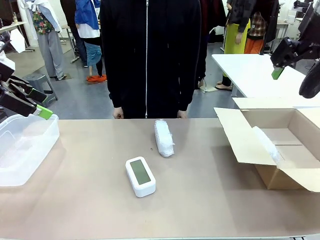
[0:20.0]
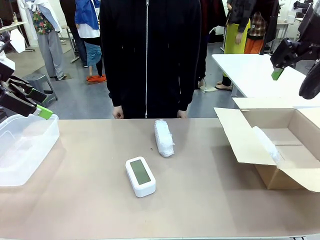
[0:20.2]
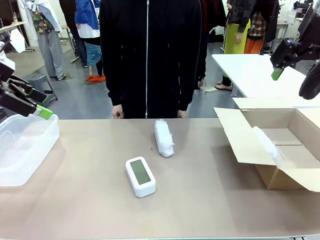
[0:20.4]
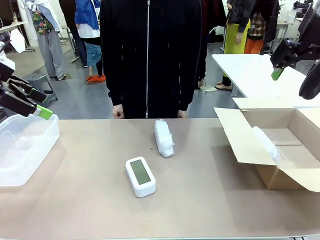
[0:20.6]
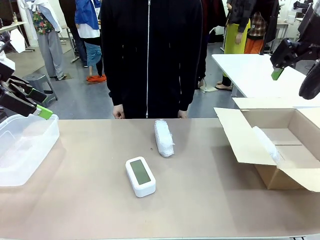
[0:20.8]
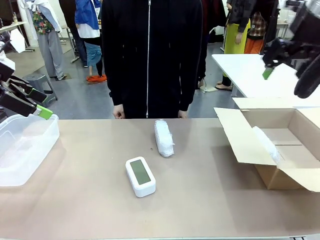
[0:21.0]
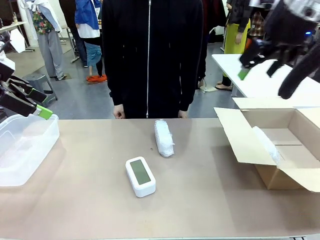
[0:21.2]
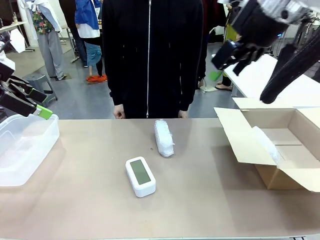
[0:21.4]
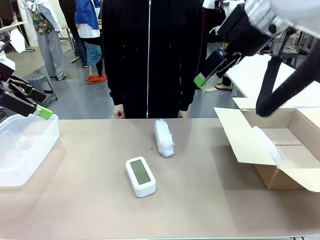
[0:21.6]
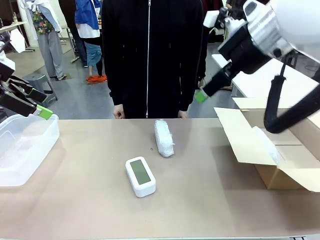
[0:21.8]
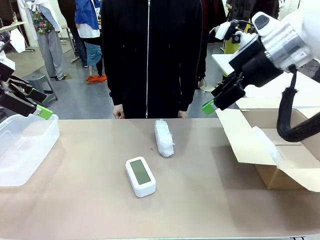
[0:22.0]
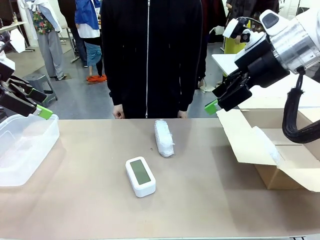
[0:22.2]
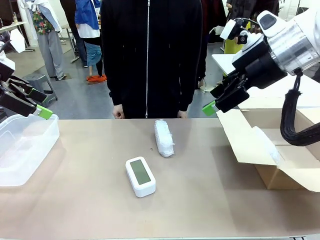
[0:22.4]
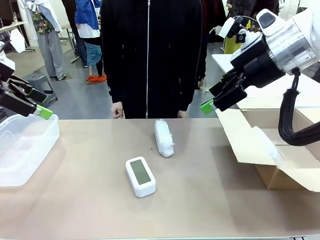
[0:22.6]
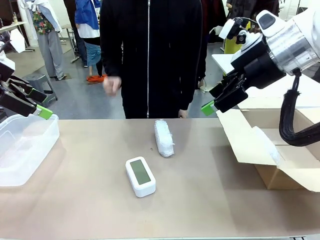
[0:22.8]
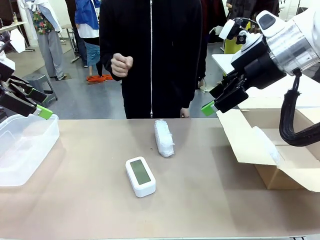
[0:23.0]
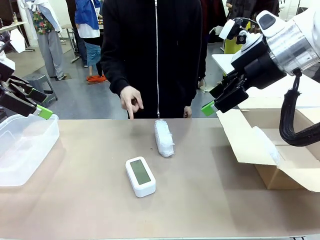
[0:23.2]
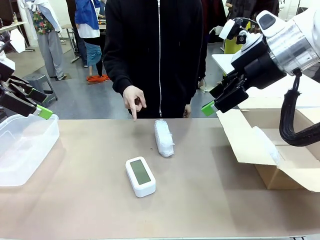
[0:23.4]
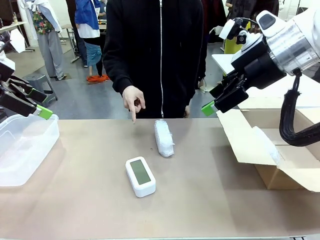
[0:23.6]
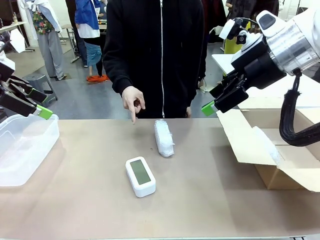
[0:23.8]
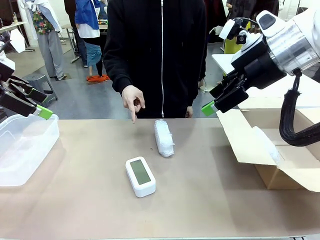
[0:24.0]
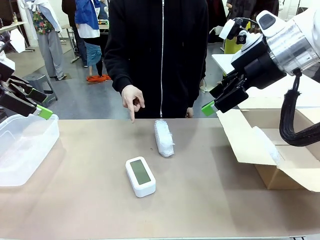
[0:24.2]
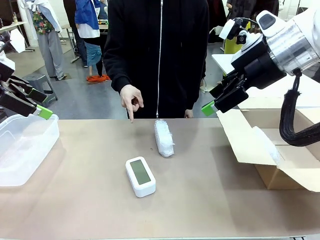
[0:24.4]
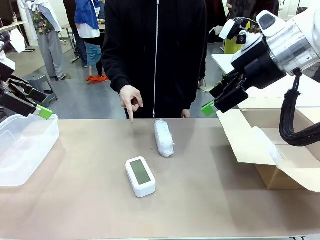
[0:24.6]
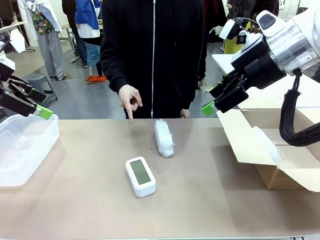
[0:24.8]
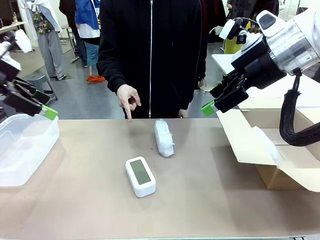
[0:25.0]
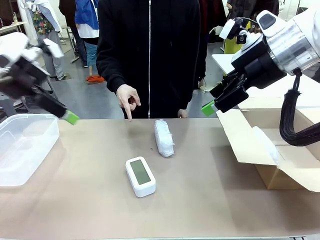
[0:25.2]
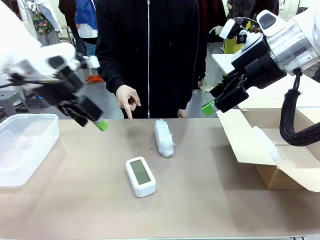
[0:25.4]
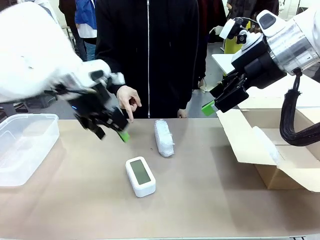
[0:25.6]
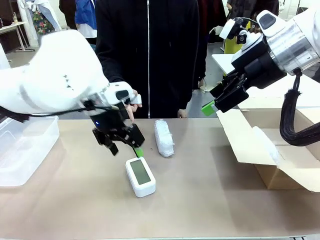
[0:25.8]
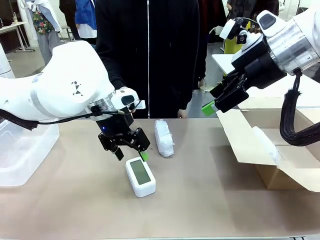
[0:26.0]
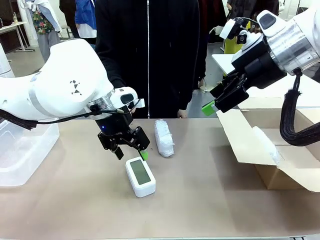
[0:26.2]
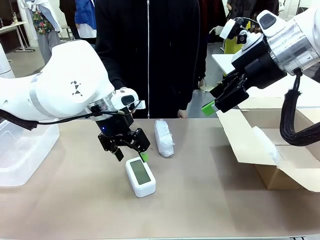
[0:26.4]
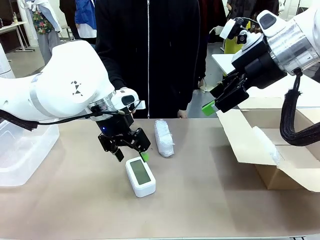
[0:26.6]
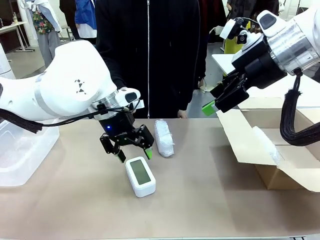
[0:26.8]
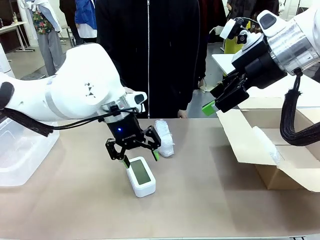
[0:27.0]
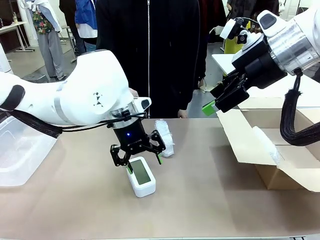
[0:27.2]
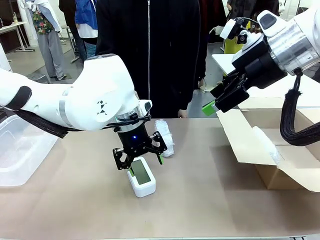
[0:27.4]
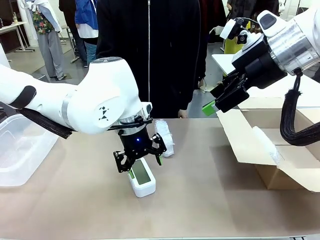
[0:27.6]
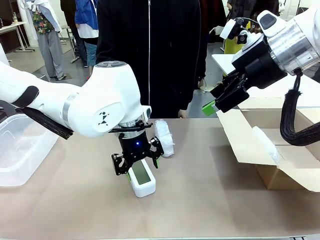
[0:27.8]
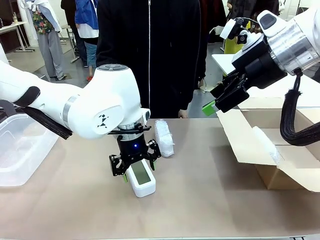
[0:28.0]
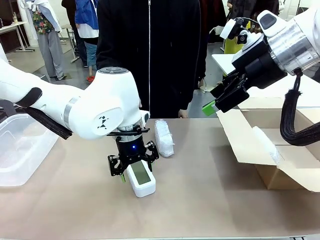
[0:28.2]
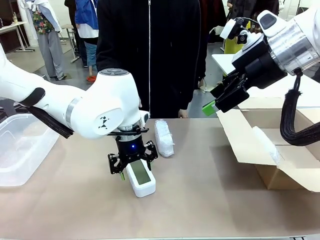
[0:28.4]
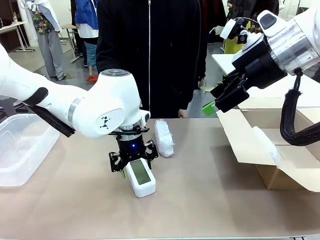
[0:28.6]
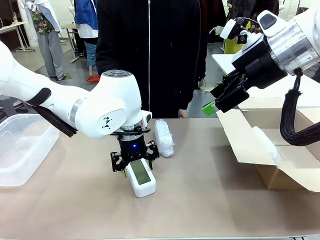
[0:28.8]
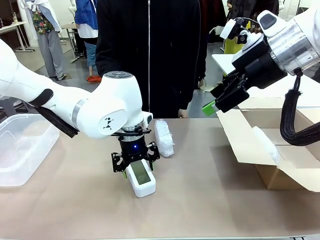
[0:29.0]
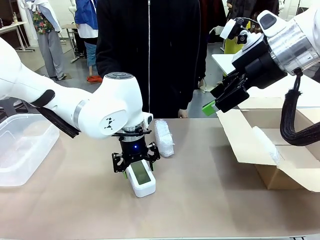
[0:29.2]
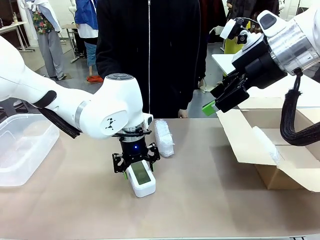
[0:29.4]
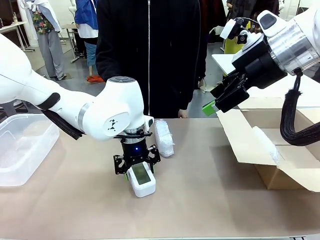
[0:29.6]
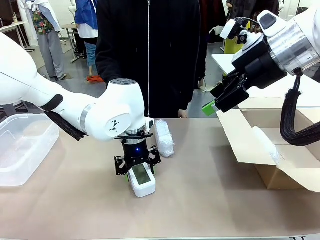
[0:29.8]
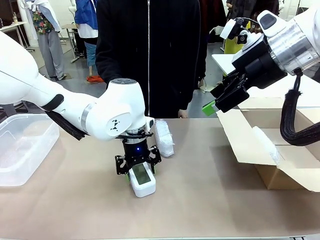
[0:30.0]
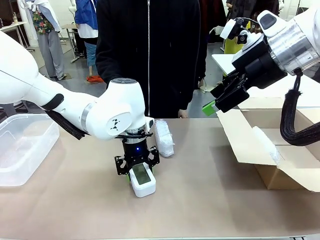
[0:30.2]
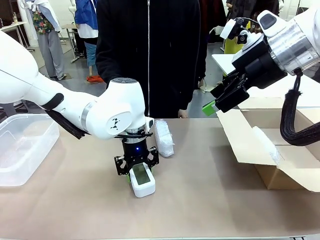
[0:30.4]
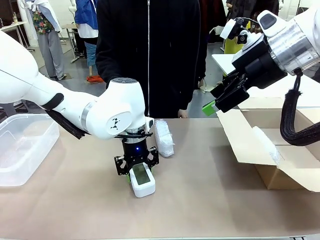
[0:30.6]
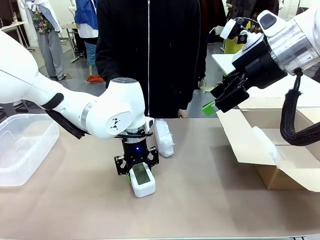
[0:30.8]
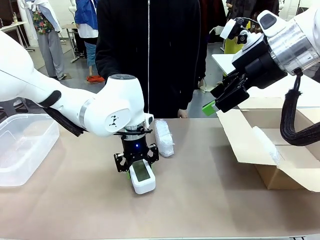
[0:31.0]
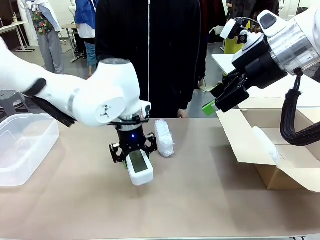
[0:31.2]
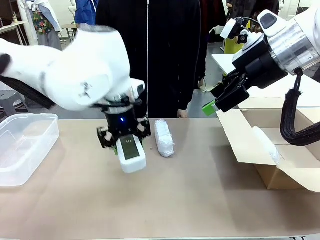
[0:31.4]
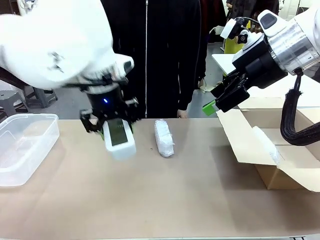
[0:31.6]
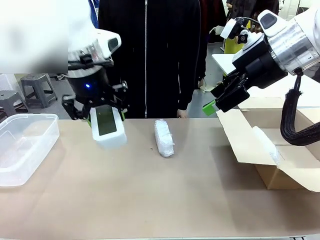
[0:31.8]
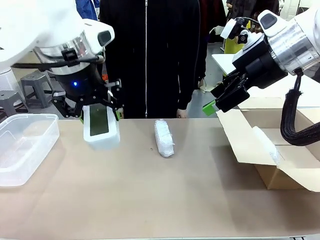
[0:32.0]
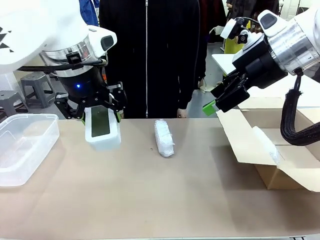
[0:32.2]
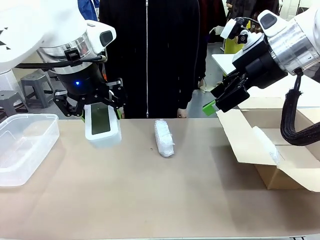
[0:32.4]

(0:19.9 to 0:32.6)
Task: Separate and place wrapped and unwrapped clocks.
Robot: Pick up the Digital clock indicated by the person.

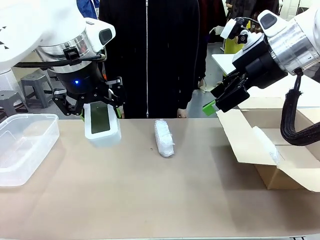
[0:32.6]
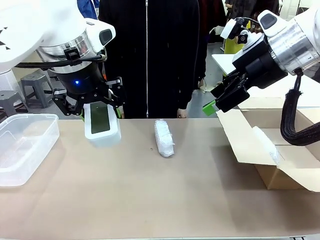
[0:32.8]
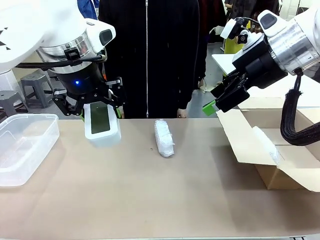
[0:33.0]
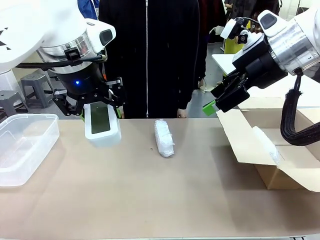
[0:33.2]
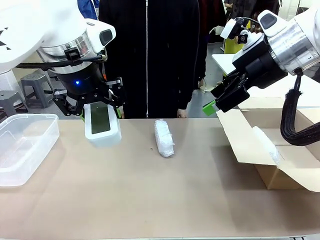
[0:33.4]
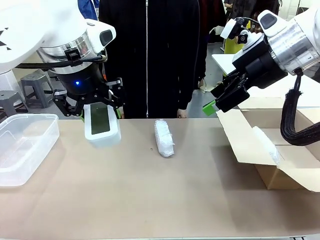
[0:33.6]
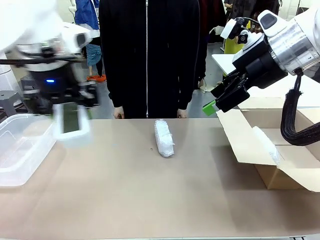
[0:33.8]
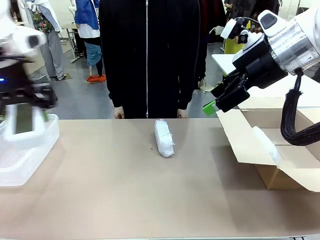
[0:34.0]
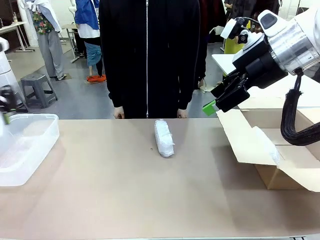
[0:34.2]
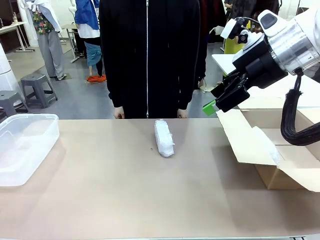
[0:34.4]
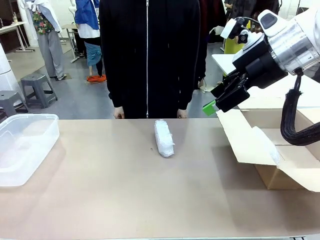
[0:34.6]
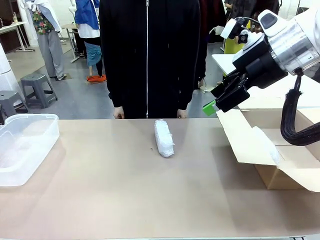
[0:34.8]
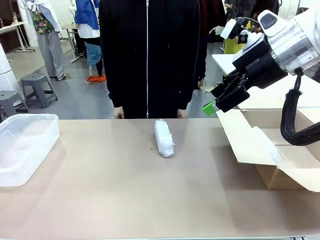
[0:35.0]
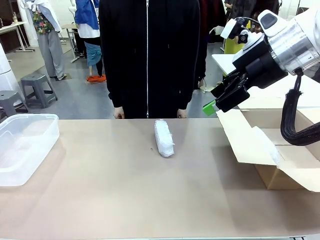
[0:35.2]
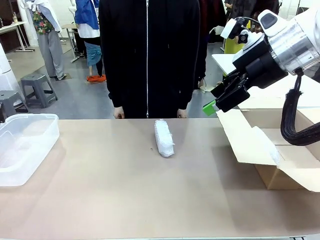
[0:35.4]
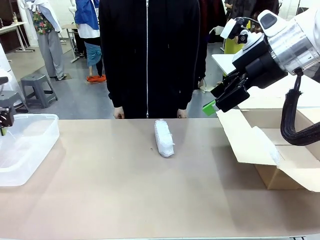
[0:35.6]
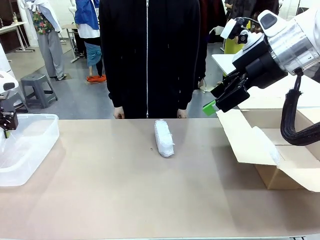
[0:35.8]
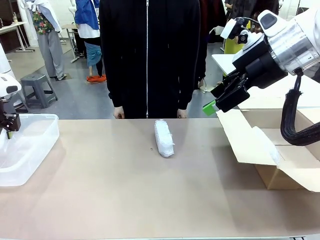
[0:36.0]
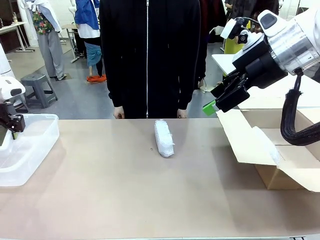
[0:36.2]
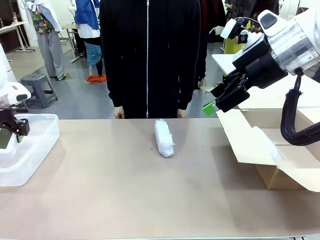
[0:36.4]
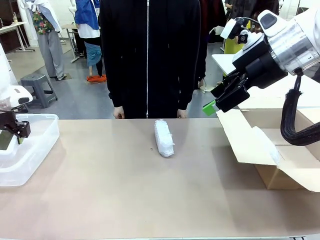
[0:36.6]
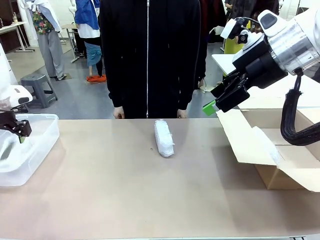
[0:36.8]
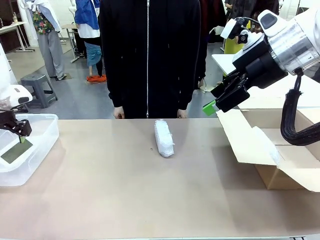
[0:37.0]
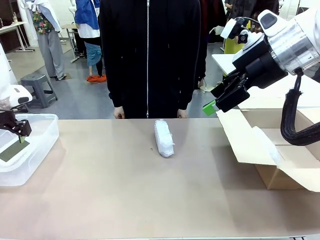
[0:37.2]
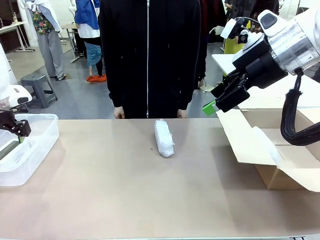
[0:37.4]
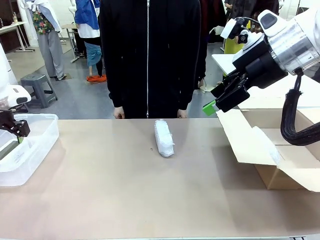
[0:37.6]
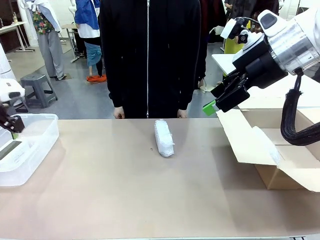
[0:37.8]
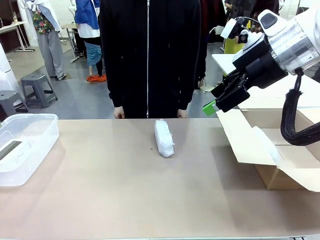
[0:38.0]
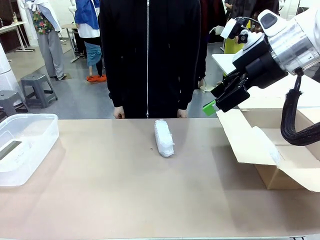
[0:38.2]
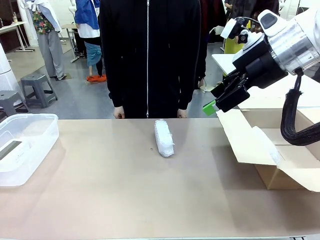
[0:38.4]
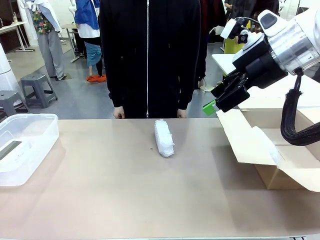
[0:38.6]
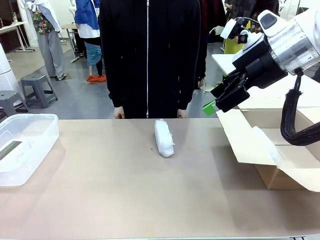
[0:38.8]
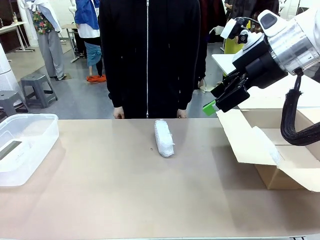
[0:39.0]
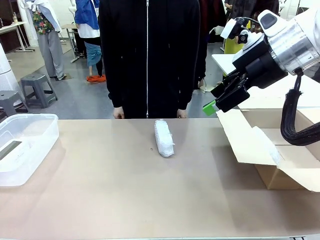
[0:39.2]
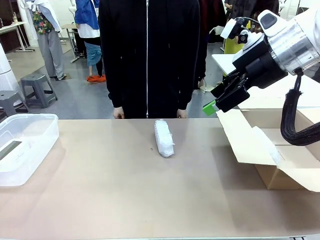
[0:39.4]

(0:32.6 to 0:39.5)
Robot: If the picked Digital clock is wrapped, place it in the Package Box ; if not, place it in the Organizing box.
